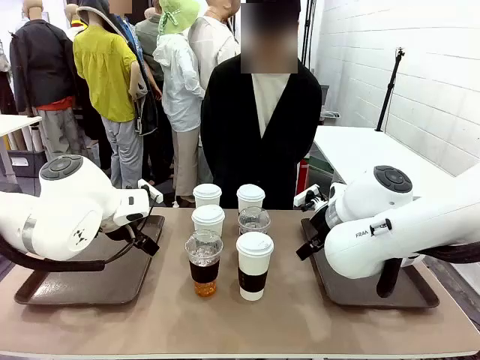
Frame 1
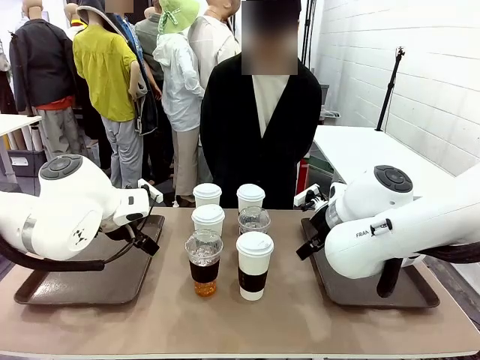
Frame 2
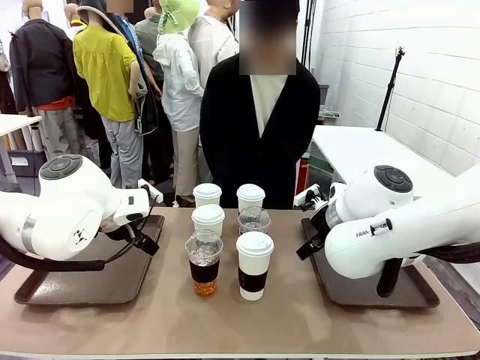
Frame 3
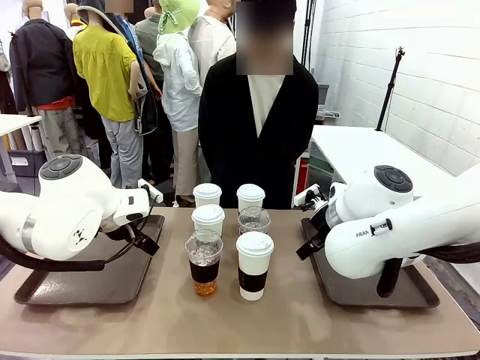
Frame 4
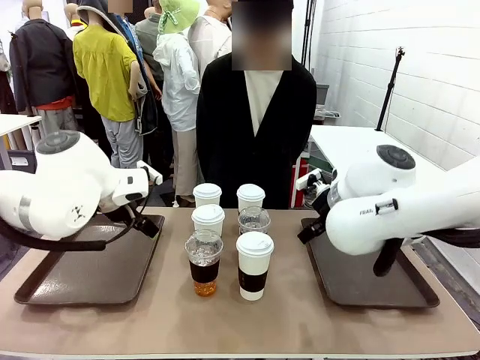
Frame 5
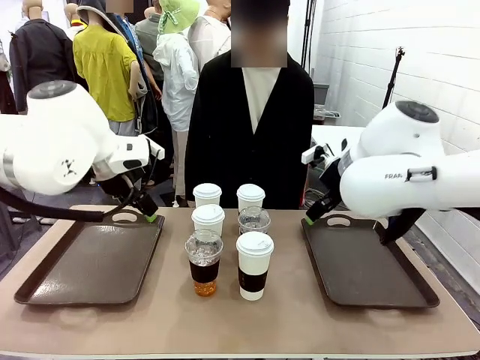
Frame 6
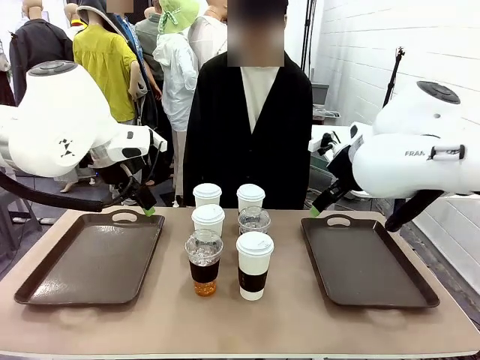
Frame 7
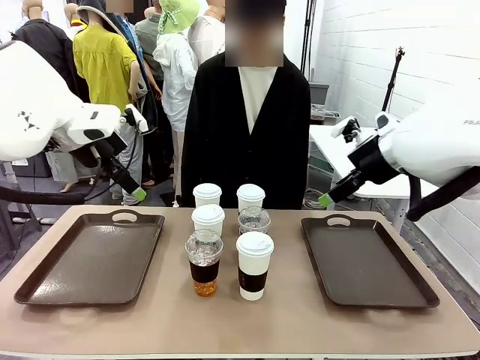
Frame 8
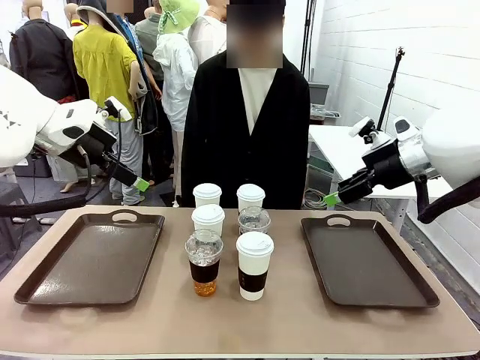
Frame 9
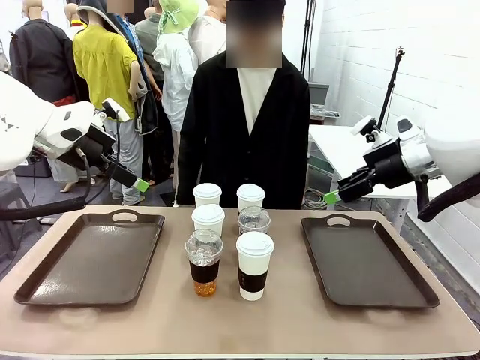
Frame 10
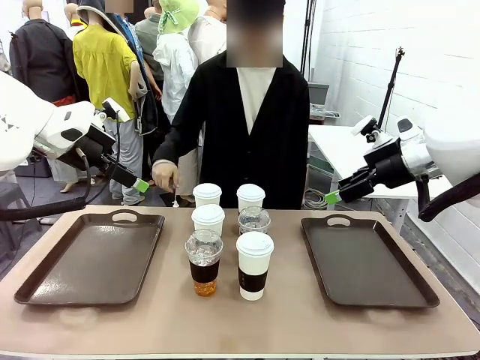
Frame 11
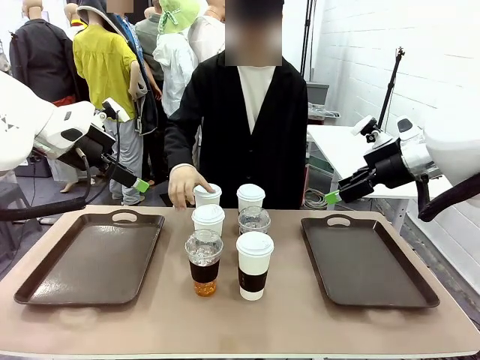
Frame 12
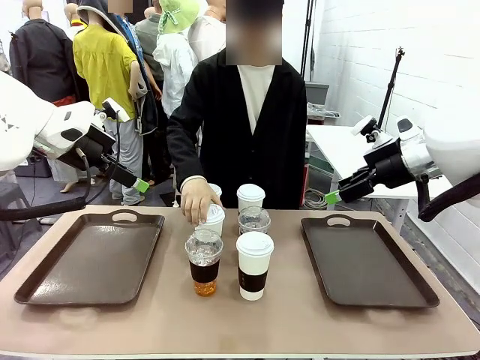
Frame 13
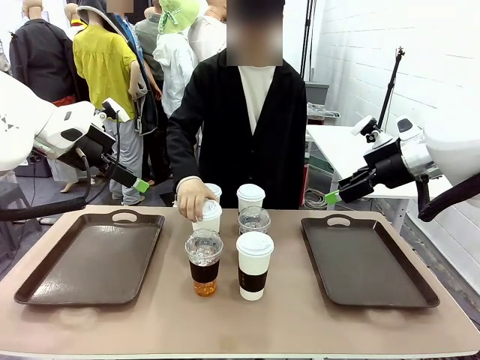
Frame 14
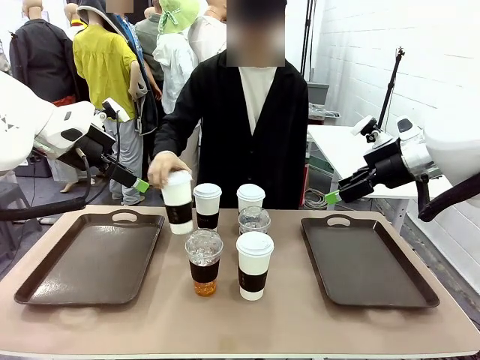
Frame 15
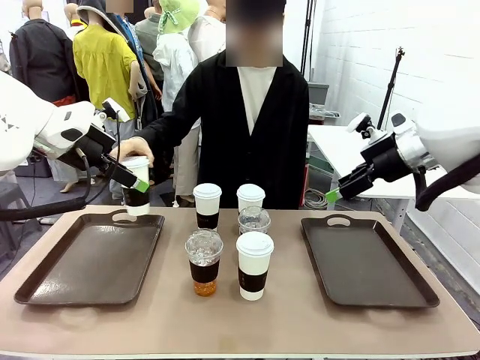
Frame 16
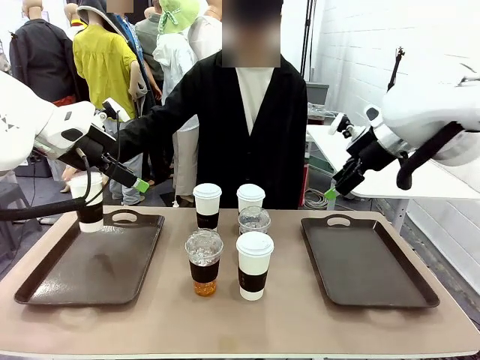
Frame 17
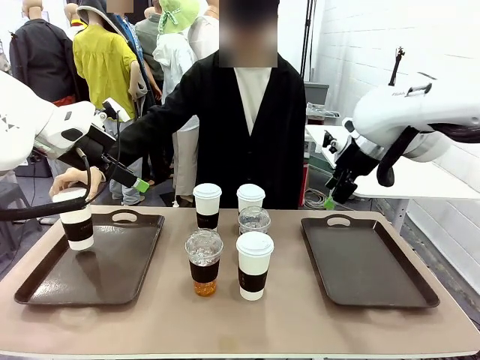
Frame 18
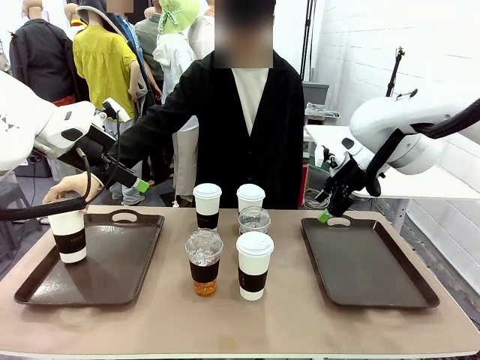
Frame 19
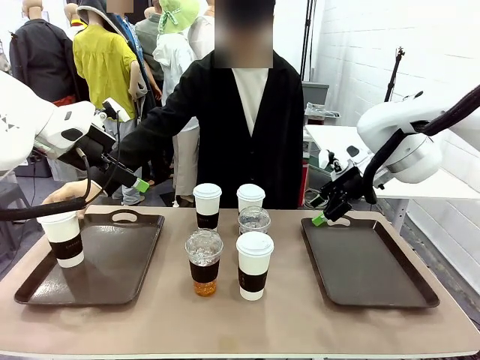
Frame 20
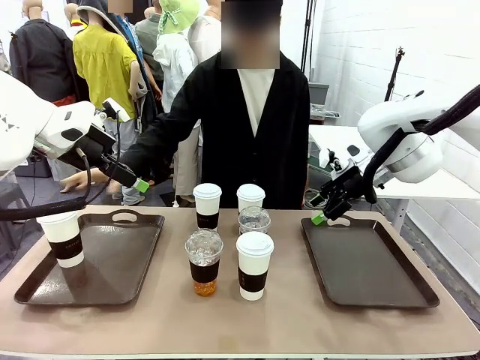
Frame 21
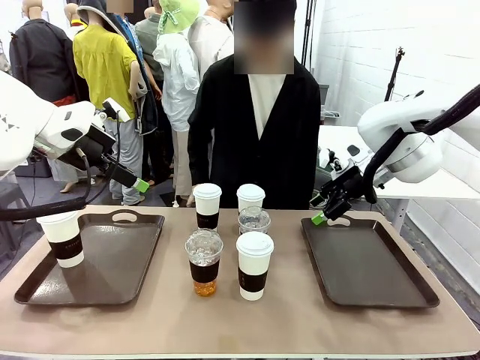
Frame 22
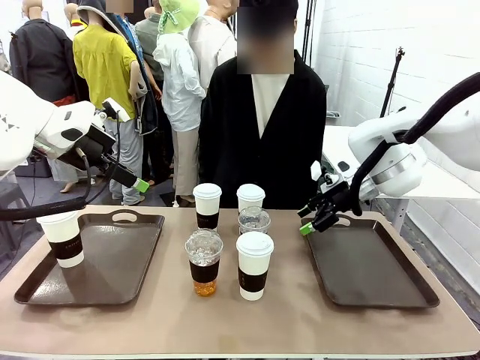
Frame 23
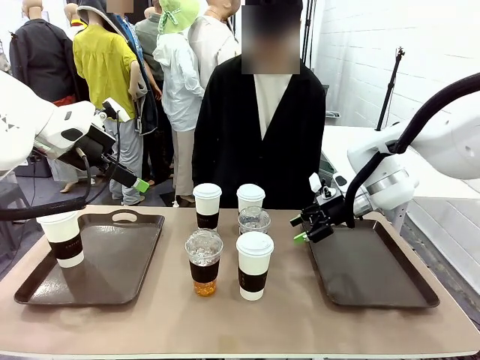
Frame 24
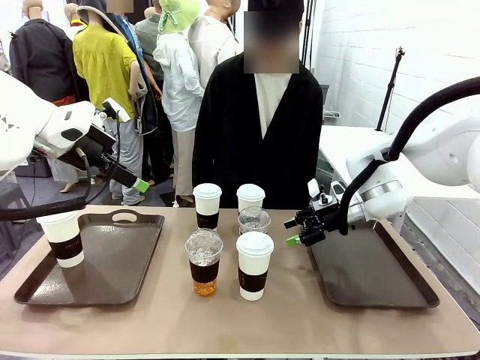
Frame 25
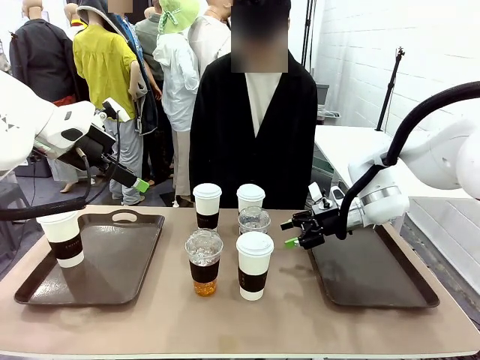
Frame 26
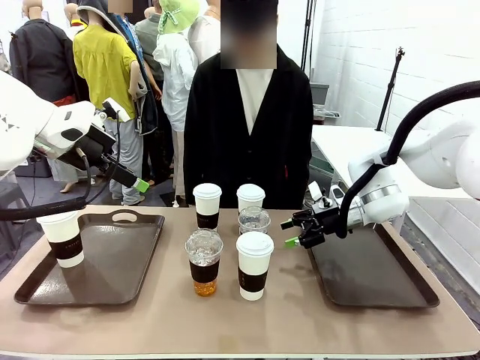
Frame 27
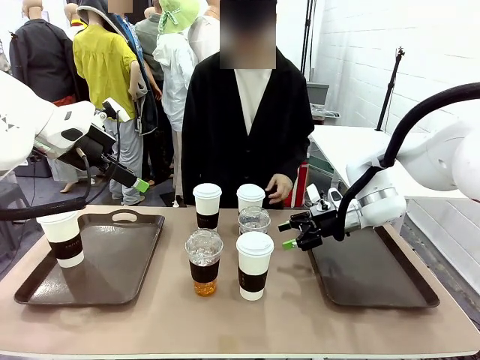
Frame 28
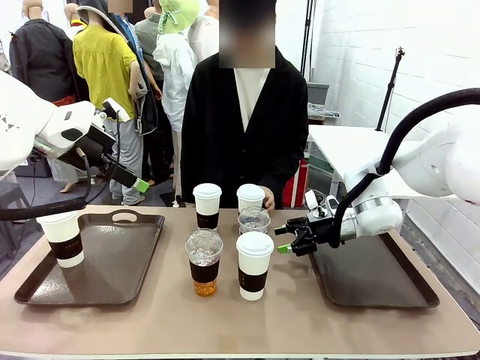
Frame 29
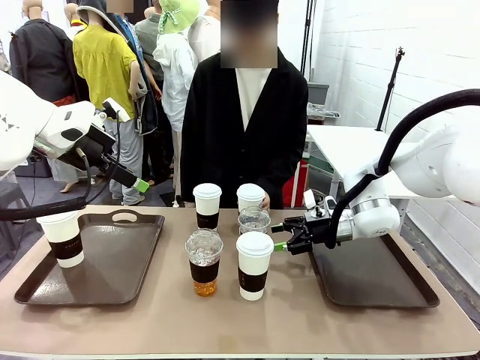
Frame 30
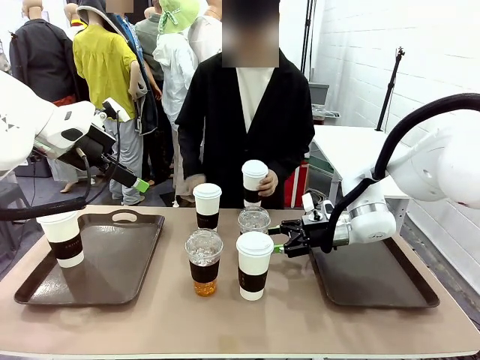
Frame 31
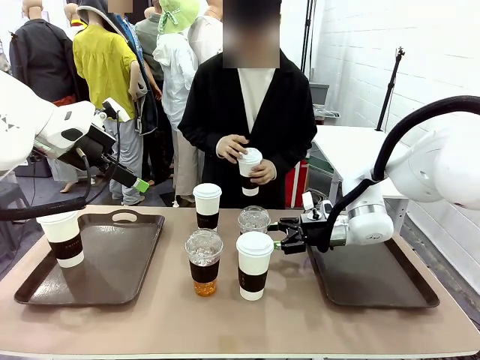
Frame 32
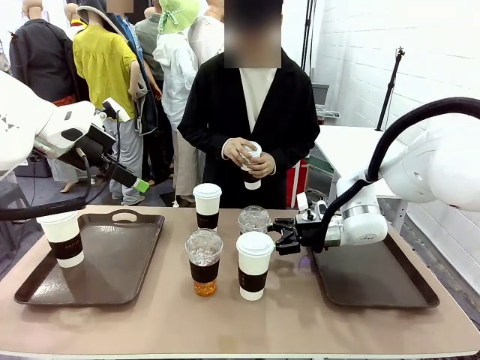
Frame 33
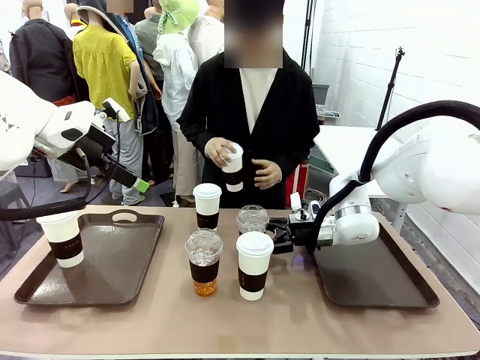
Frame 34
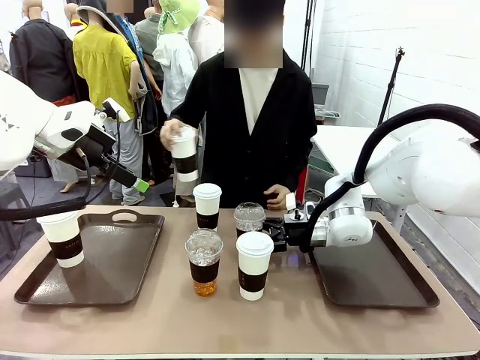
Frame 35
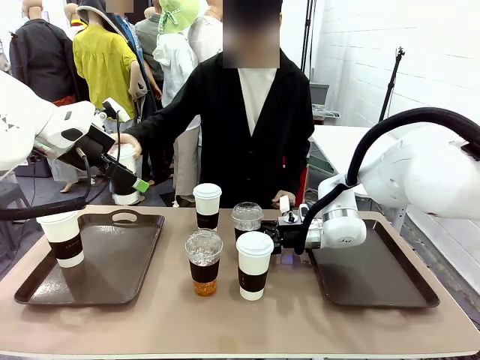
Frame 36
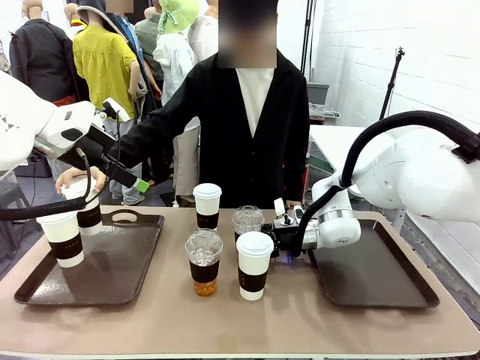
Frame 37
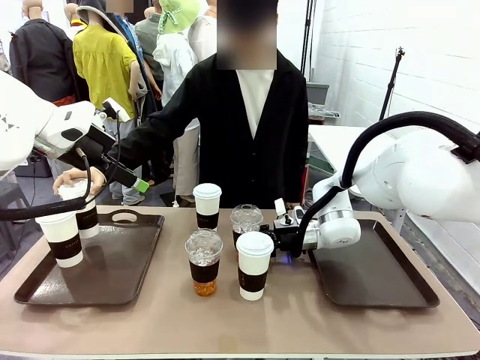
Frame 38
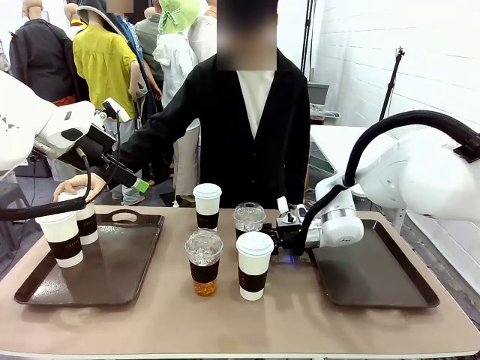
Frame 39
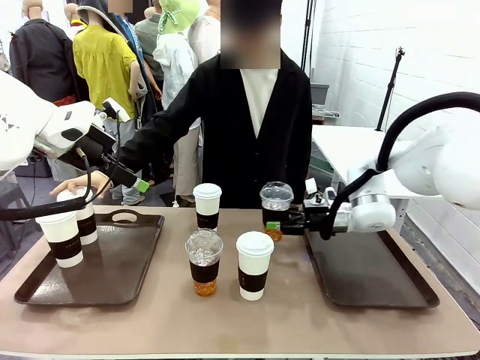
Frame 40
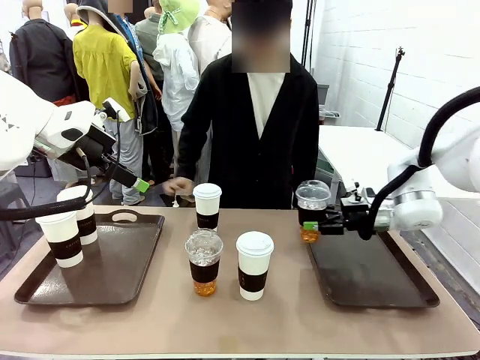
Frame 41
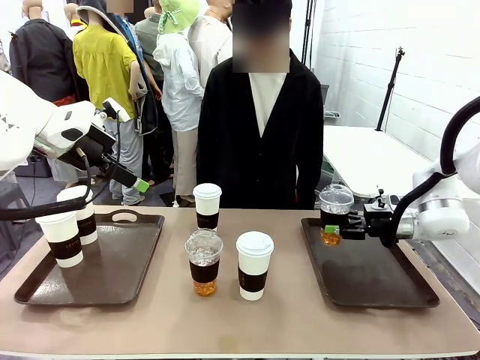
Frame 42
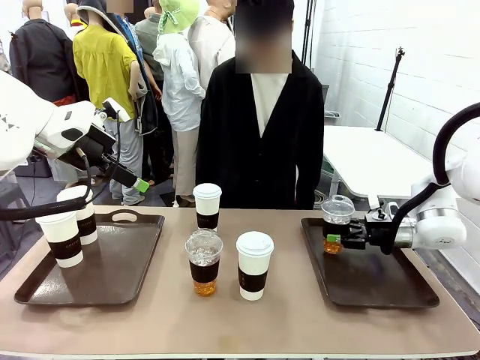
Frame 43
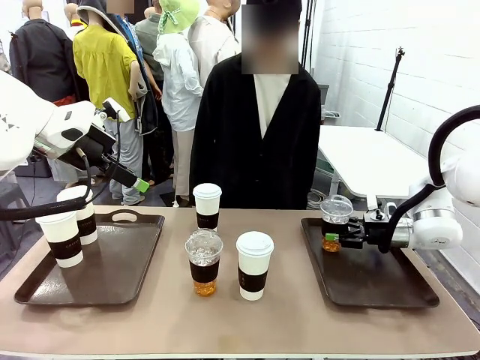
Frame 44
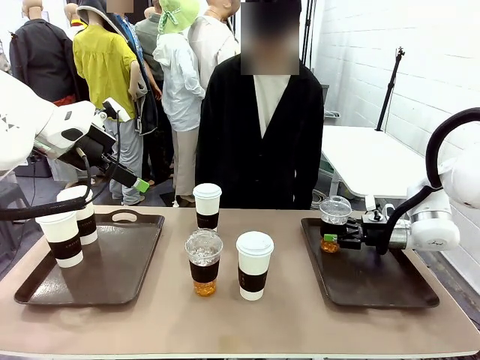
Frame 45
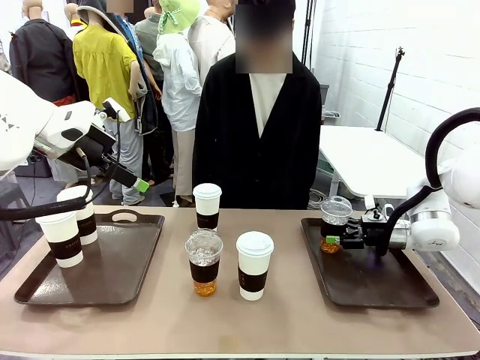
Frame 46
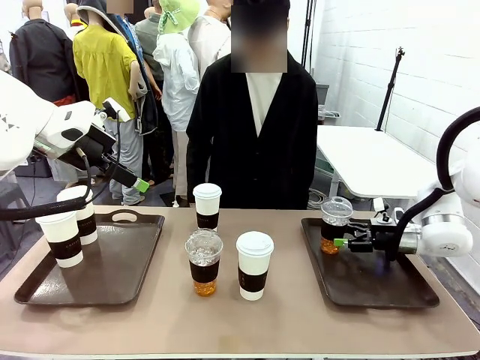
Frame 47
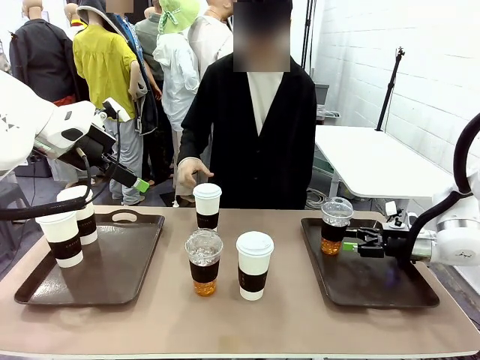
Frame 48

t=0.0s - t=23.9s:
Task: Distribute the coffee onto the tray.
Robot: Pick up one iced Americano and place it on the right Handle tray.
Person: Pick up a cup of hot Americano and place it on the right tray.
